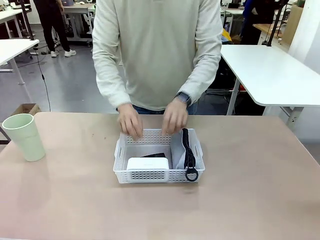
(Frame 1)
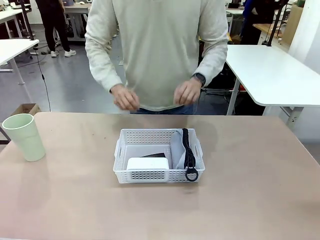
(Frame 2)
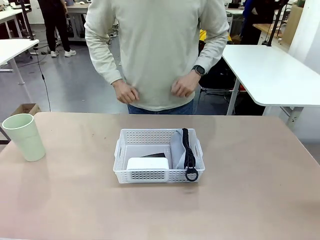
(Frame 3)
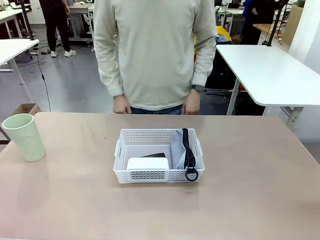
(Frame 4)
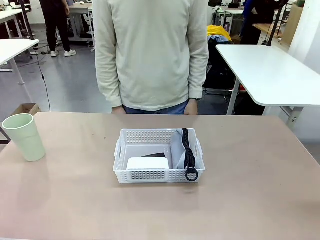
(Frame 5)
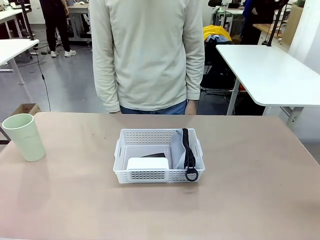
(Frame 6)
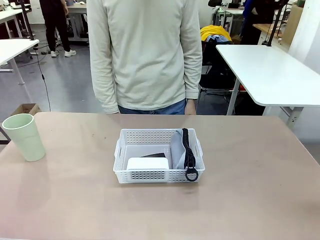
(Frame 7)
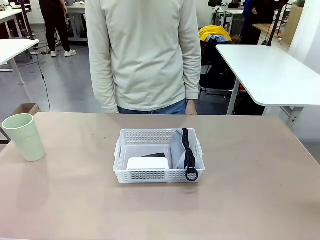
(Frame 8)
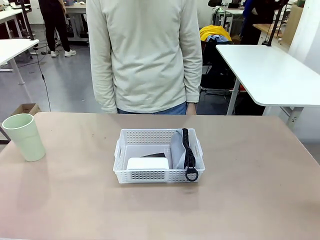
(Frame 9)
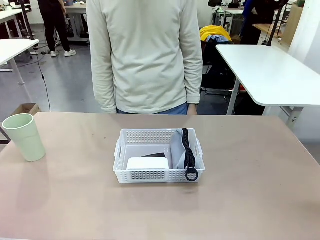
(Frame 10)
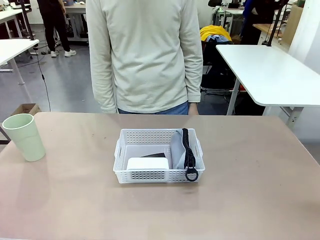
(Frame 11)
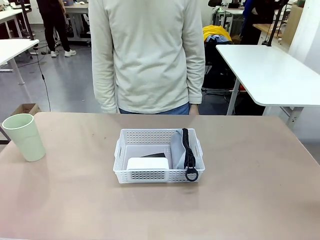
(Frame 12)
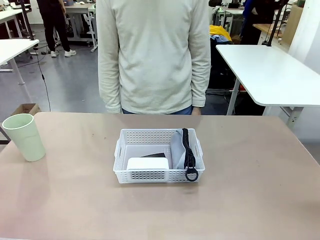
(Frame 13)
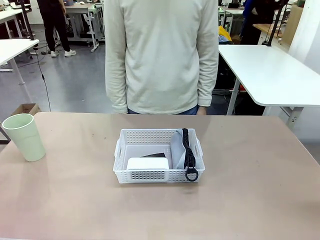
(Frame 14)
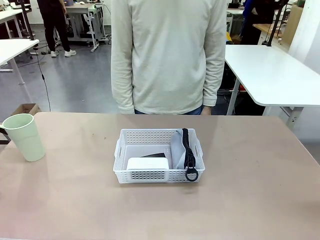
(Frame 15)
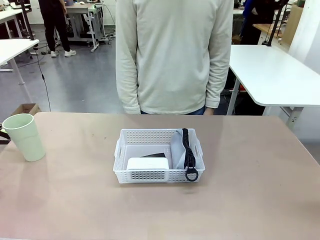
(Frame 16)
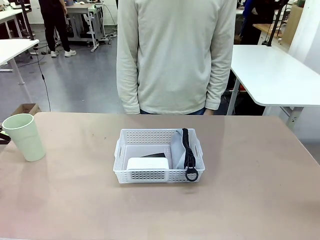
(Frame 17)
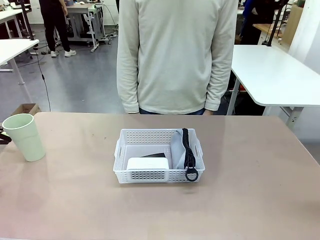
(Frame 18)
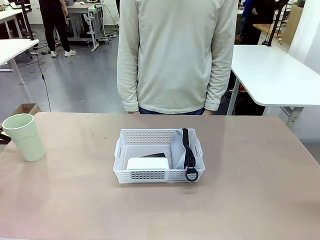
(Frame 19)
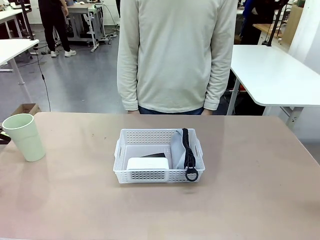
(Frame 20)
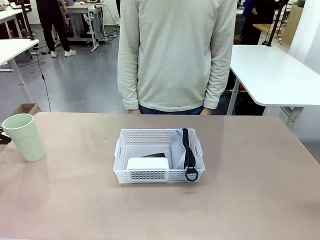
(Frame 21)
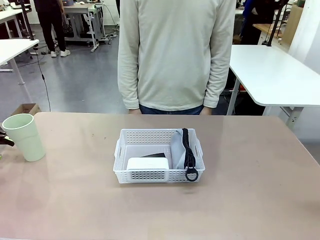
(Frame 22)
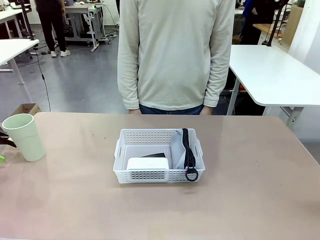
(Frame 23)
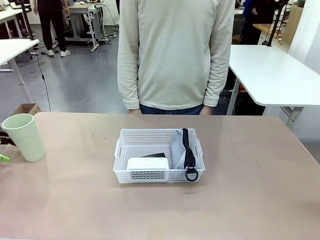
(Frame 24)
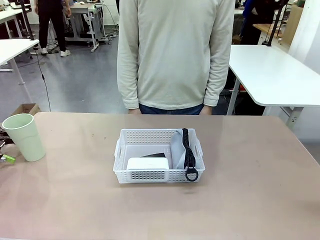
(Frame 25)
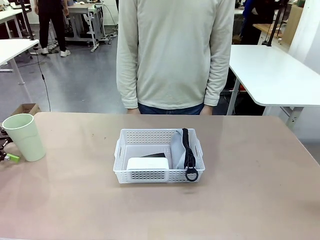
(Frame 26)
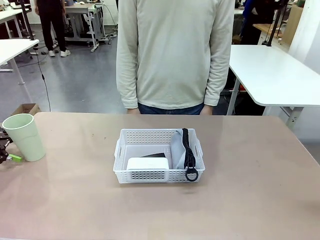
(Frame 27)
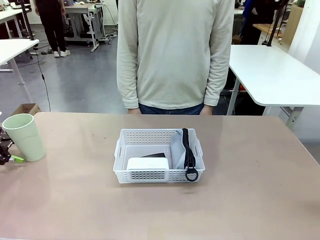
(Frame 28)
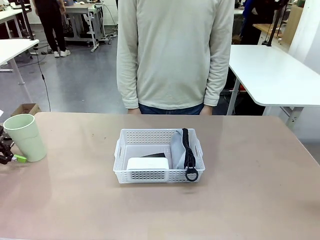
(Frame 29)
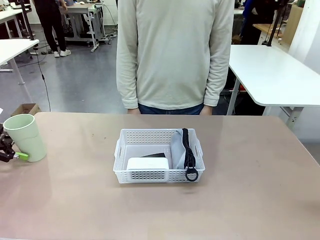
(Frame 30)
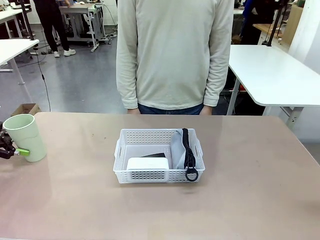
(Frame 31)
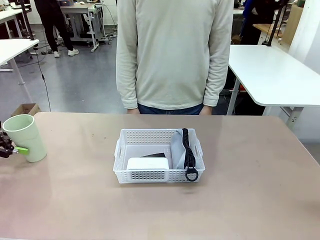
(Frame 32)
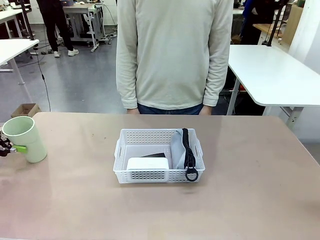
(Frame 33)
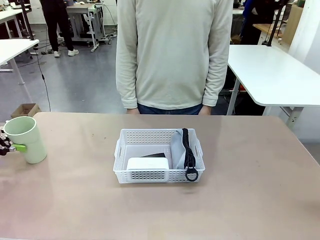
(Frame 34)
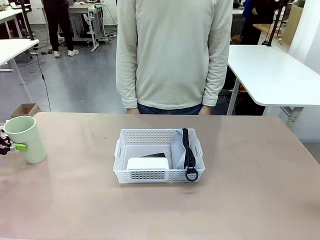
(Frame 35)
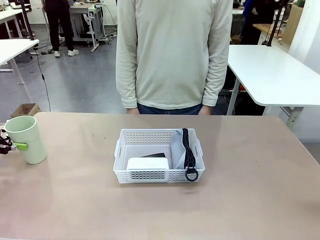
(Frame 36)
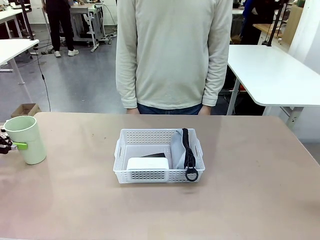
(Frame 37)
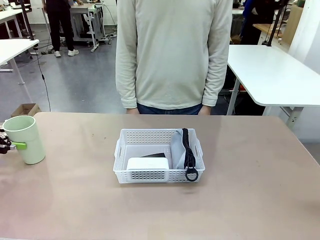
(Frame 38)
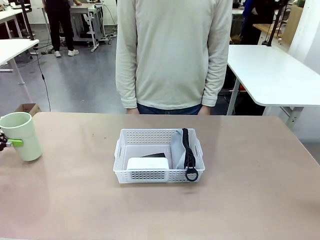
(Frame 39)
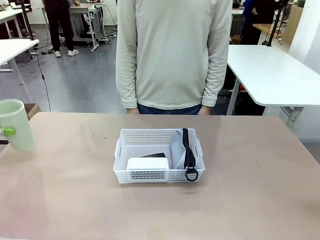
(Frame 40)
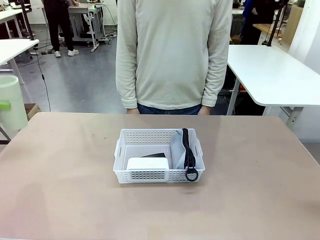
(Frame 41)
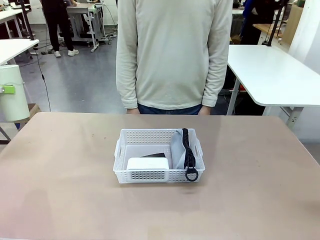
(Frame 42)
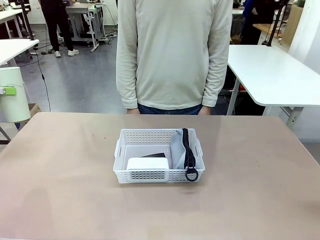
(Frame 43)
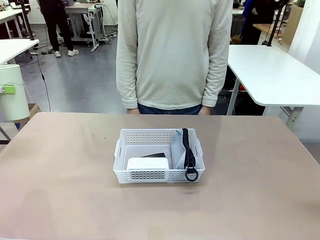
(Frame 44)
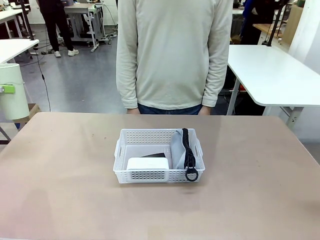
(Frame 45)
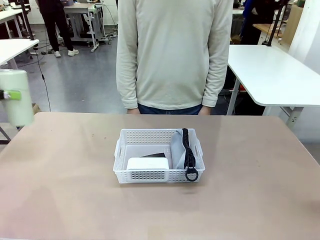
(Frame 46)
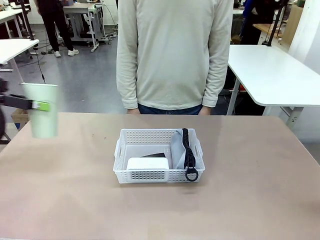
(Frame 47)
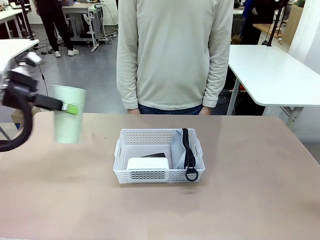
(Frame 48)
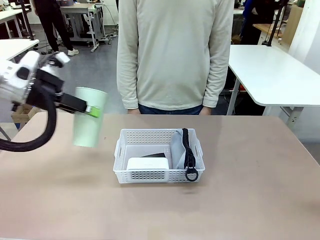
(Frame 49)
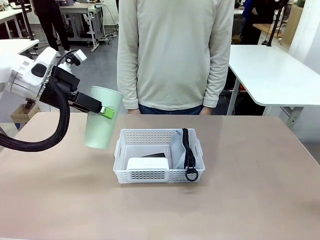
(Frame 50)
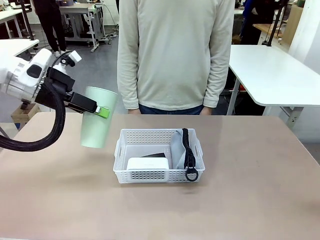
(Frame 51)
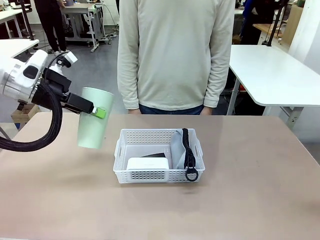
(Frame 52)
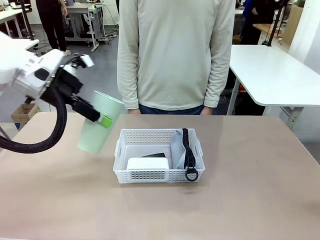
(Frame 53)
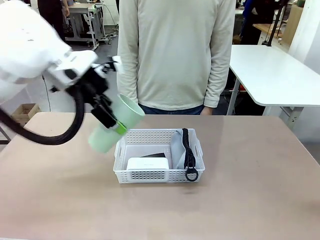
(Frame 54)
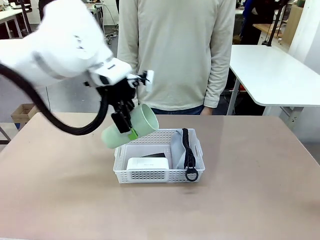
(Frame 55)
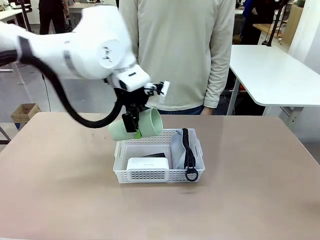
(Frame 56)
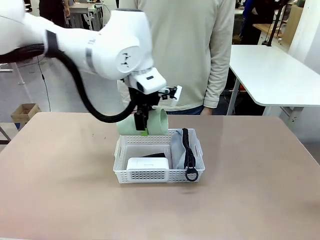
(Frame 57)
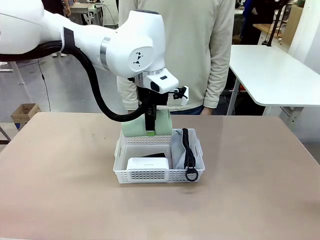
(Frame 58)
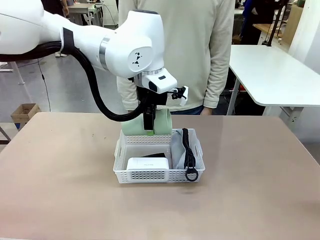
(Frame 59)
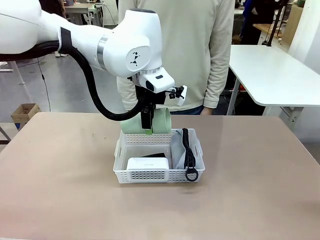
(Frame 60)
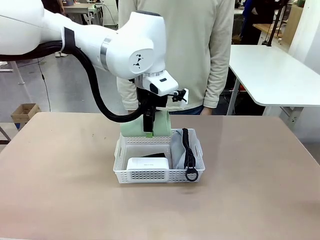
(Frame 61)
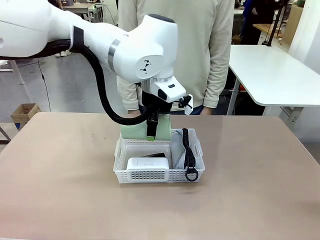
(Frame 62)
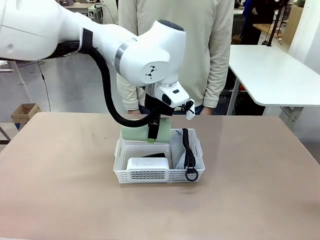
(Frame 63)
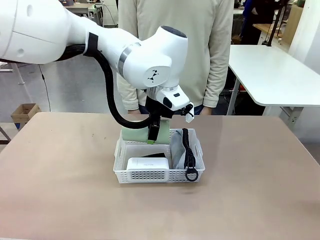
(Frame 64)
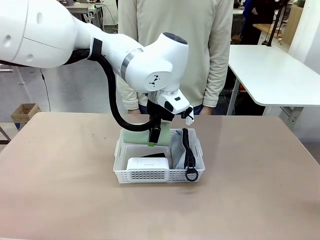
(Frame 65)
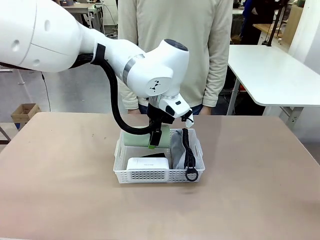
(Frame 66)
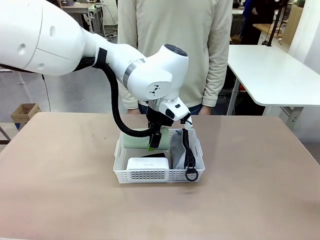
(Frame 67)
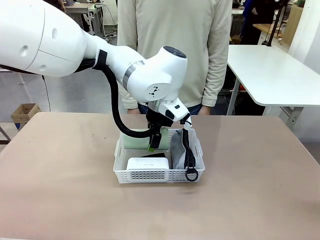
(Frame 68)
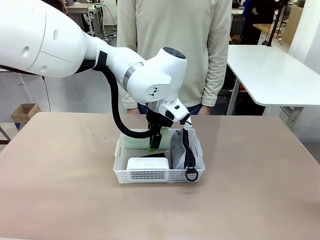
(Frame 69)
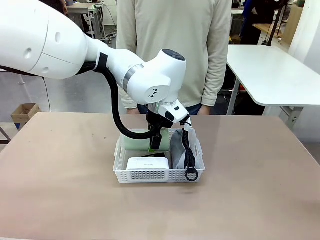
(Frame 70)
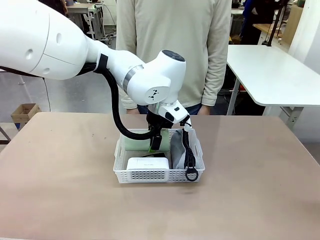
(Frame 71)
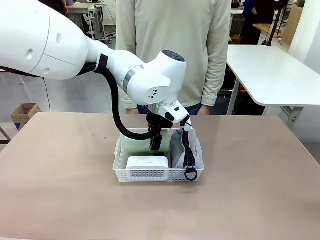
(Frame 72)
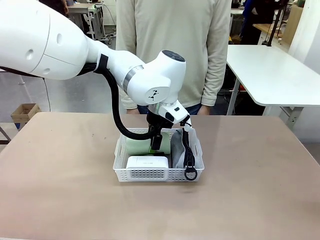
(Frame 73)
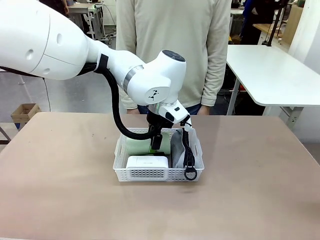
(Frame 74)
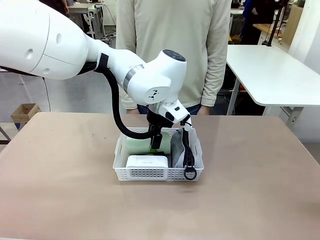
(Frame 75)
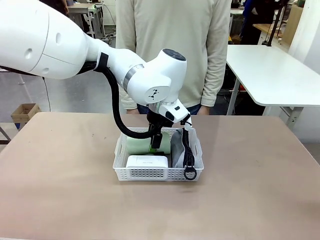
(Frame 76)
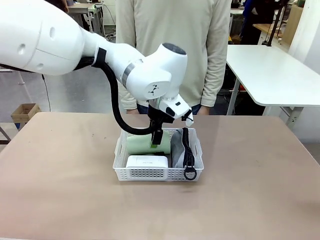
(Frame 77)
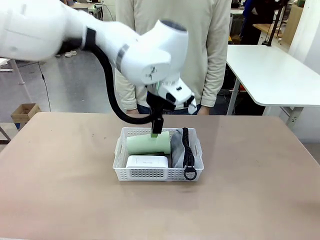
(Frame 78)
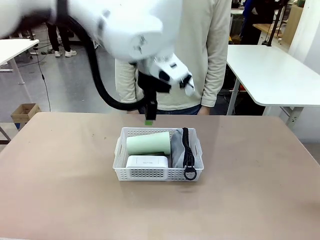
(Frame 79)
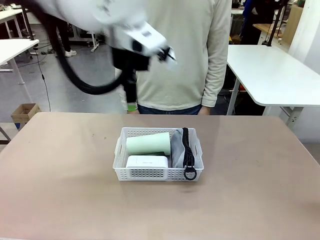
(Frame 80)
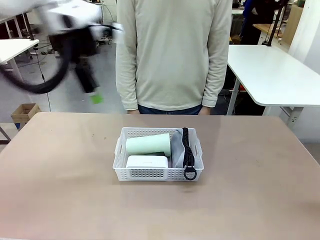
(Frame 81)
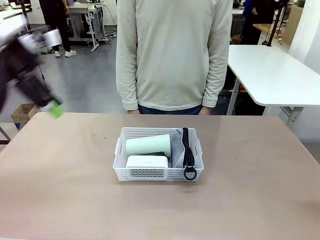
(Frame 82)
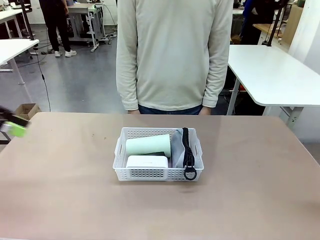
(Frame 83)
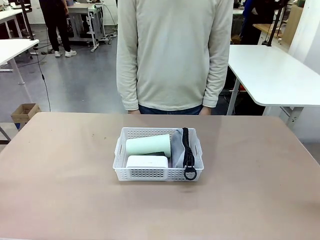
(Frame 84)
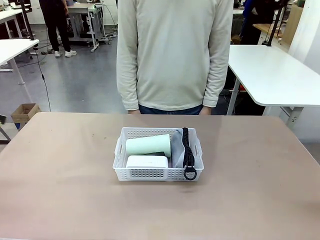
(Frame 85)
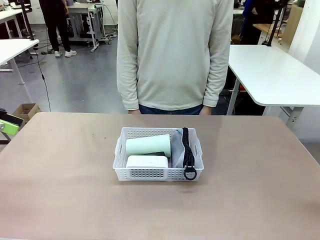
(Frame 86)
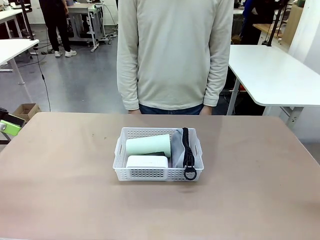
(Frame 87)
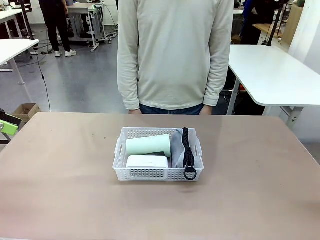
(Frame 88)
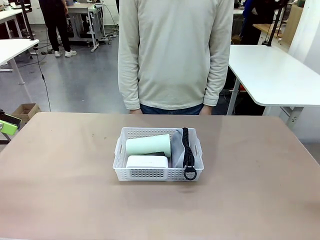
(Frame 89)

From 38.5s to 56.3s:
Task: Efficiently arrange items inside the basket to fit them all.
Robot: Pick up the Reusable plastic cup and place it inside the Organizing basket.
Person: Repositions the stapler.
